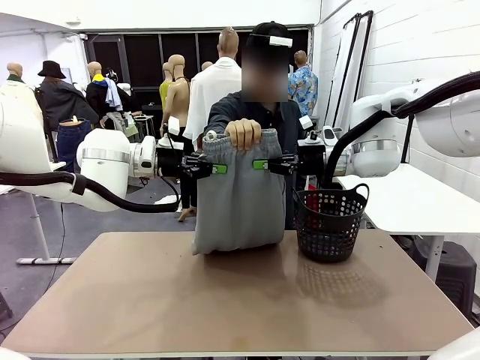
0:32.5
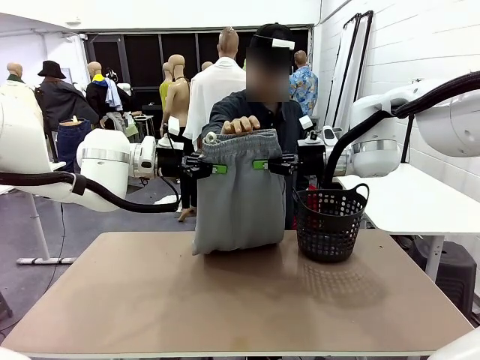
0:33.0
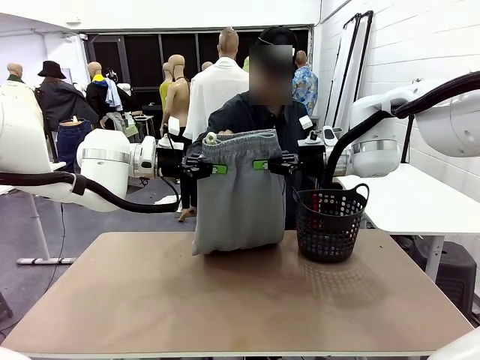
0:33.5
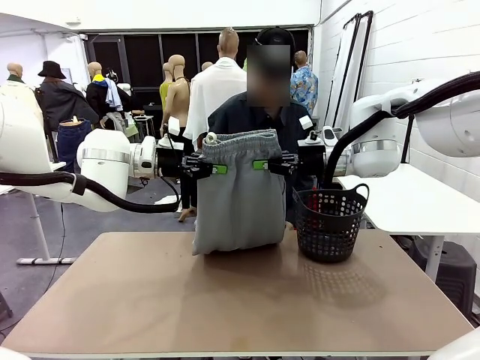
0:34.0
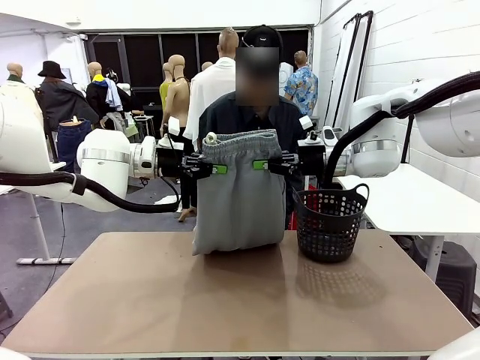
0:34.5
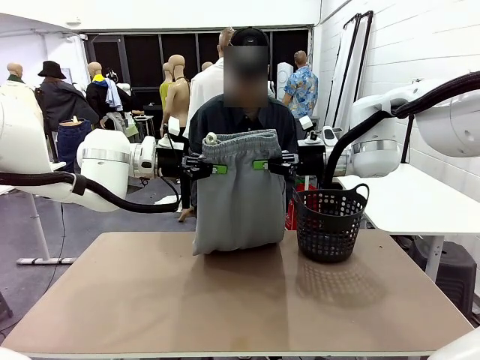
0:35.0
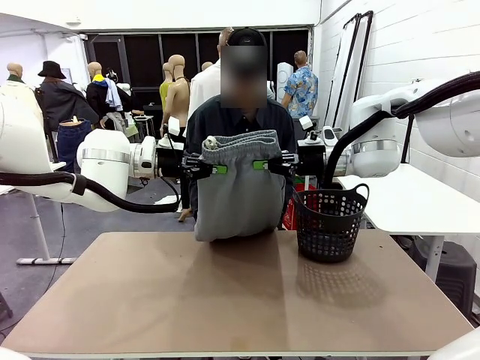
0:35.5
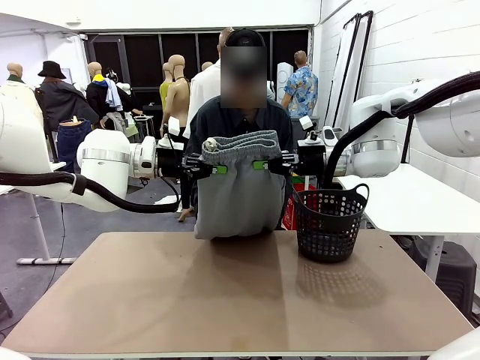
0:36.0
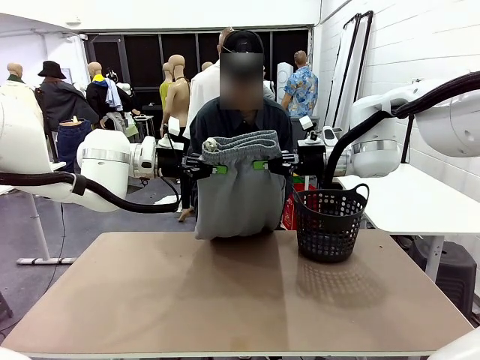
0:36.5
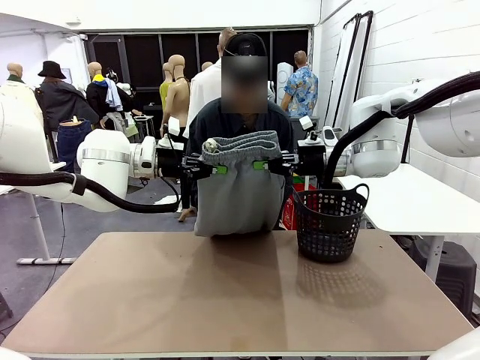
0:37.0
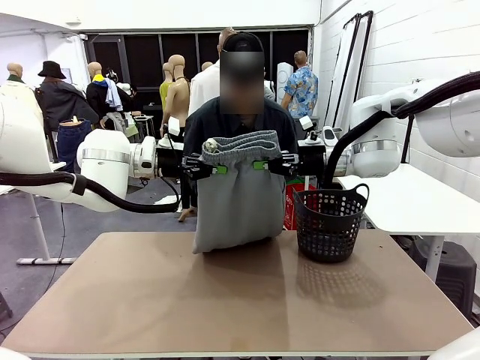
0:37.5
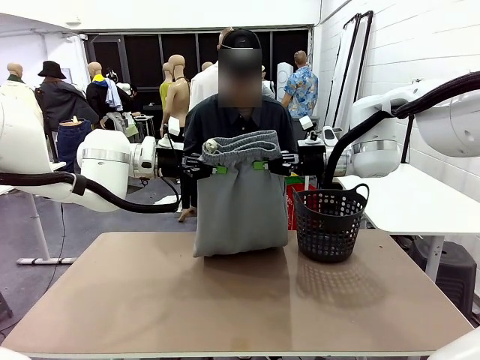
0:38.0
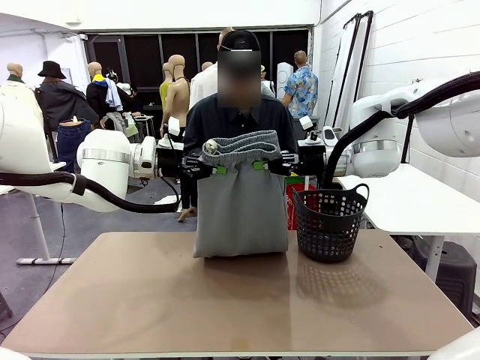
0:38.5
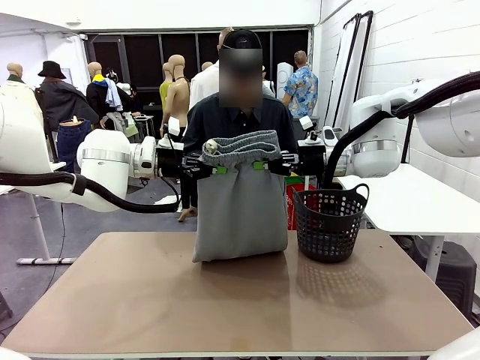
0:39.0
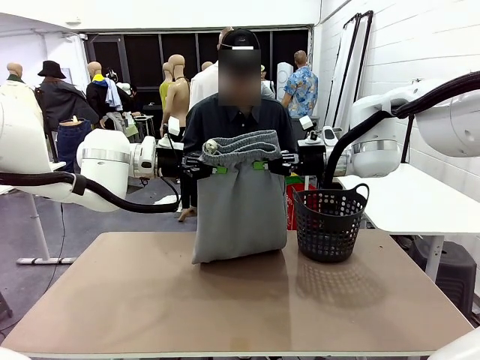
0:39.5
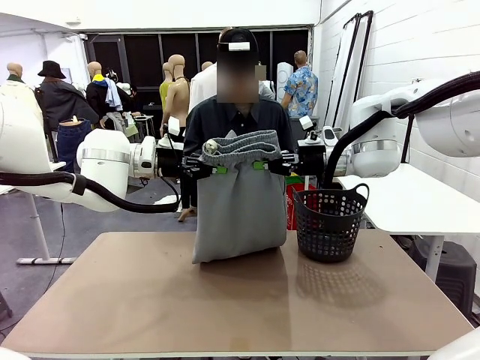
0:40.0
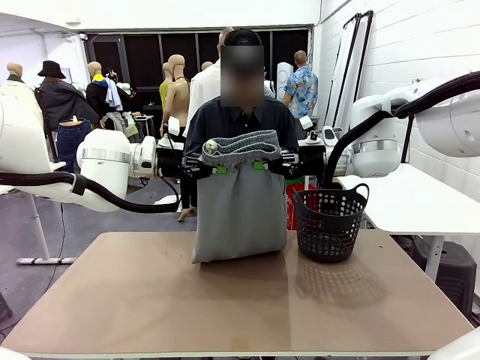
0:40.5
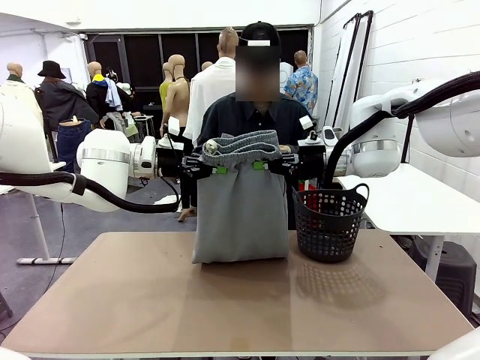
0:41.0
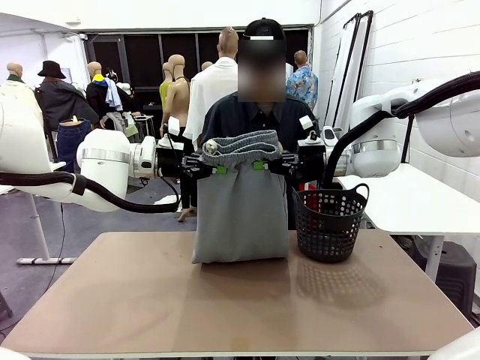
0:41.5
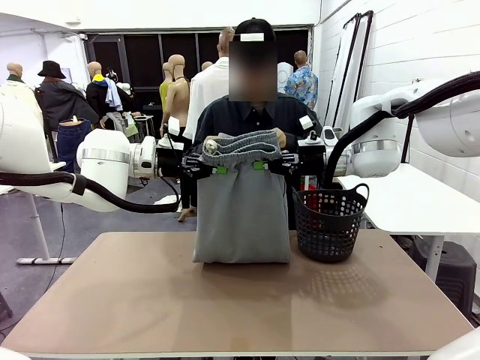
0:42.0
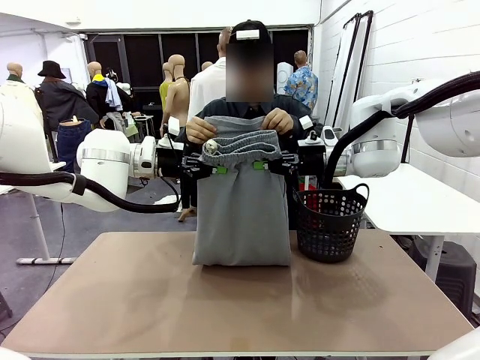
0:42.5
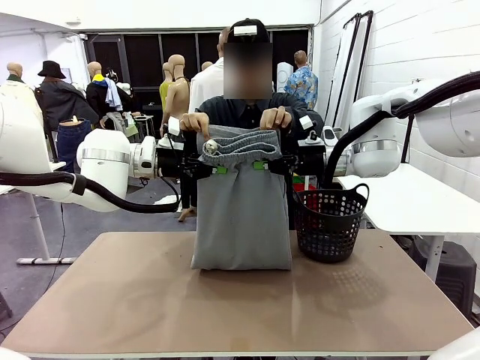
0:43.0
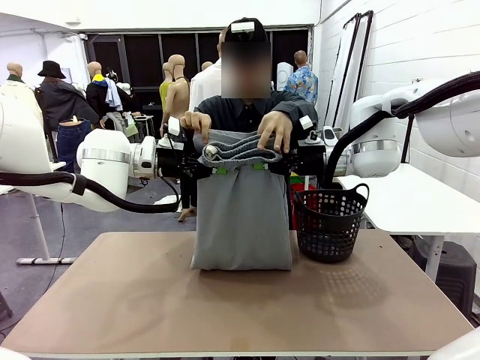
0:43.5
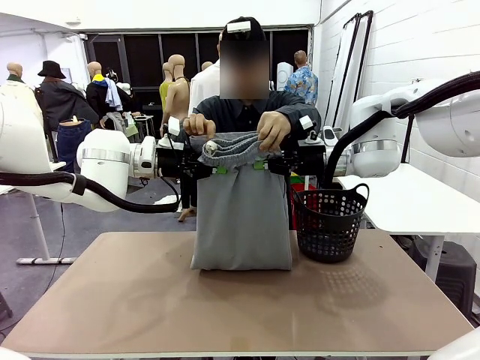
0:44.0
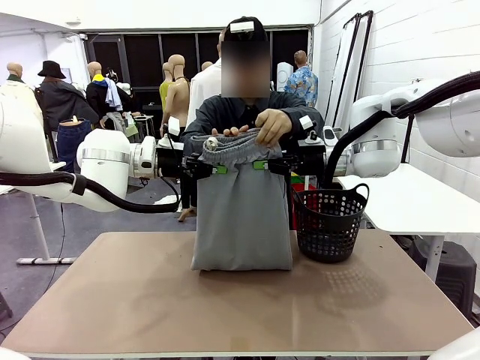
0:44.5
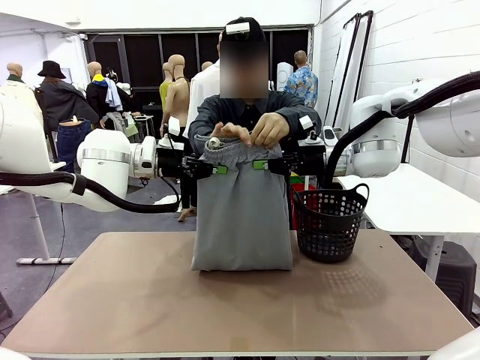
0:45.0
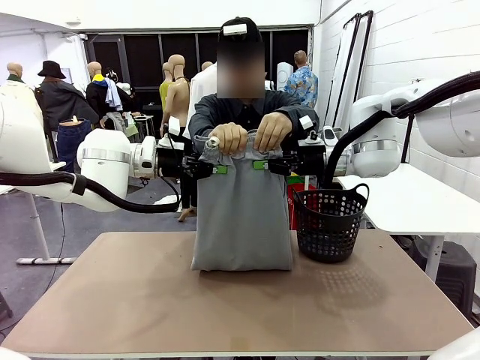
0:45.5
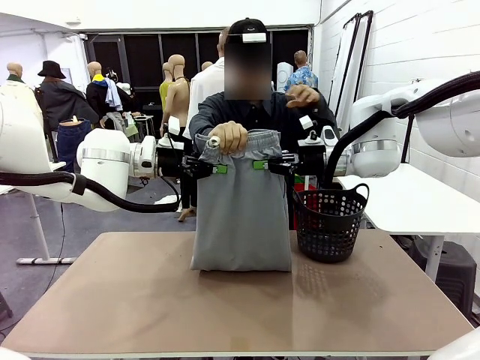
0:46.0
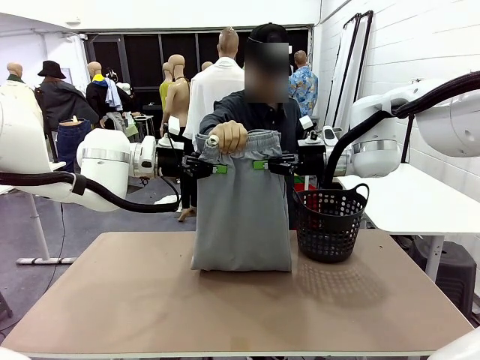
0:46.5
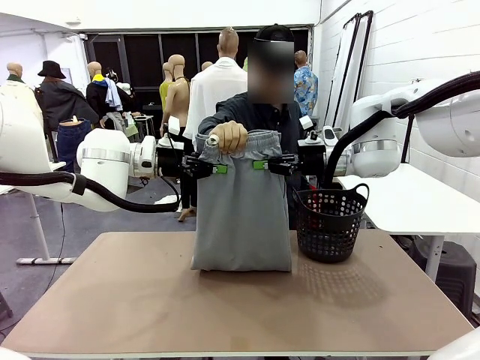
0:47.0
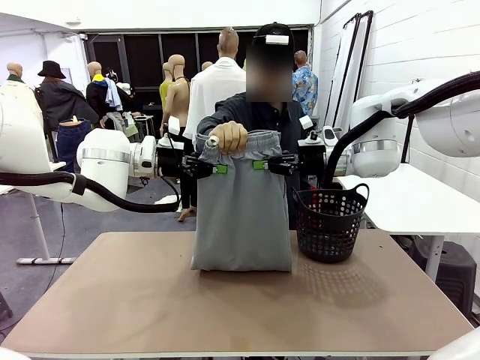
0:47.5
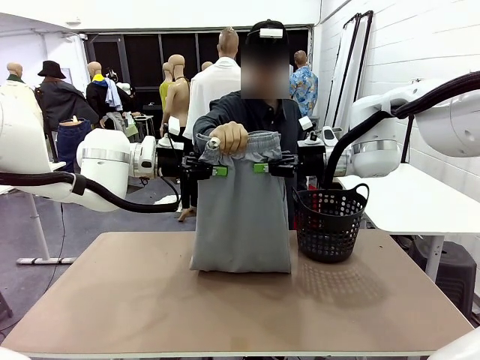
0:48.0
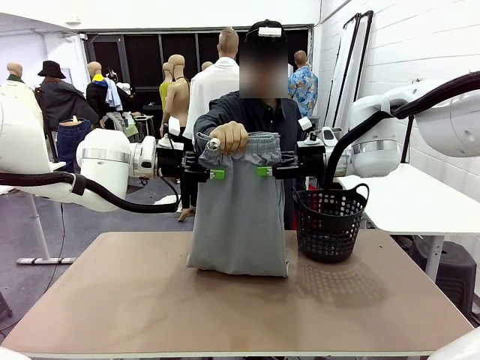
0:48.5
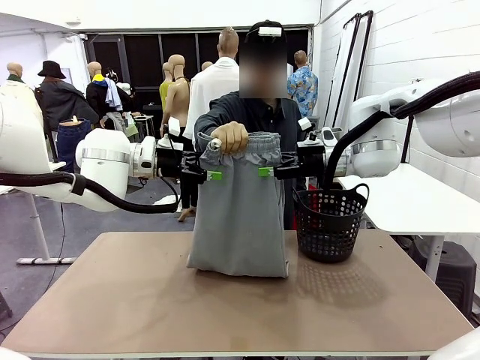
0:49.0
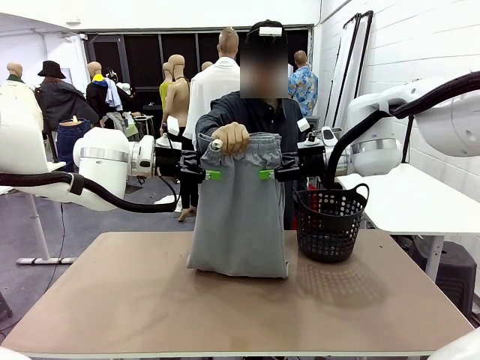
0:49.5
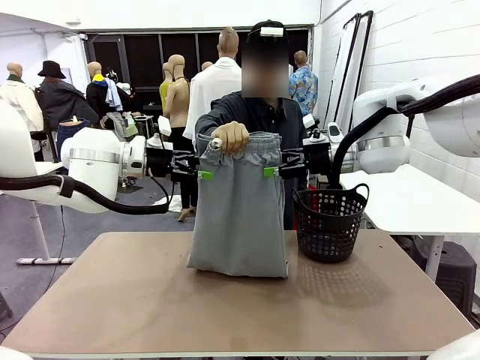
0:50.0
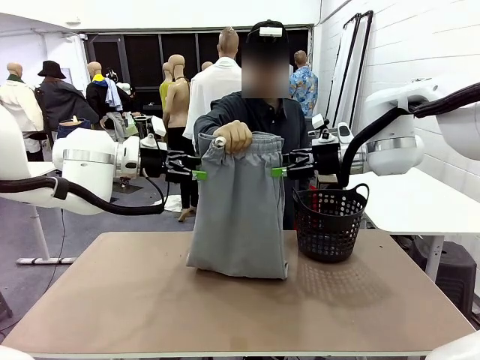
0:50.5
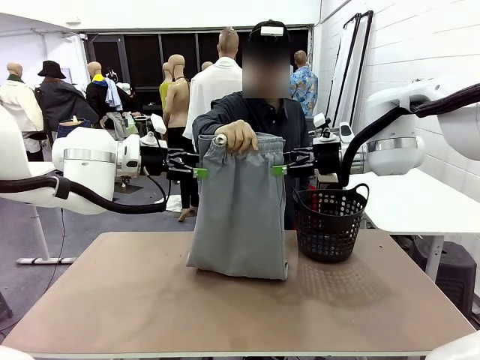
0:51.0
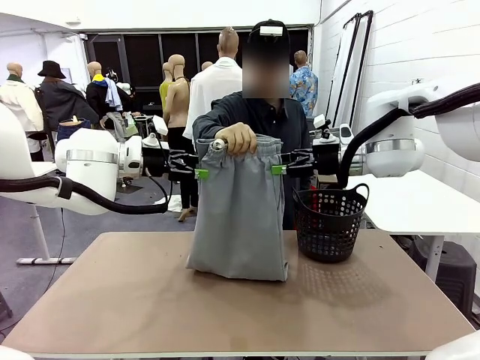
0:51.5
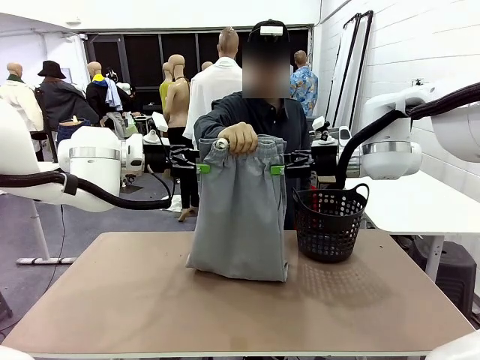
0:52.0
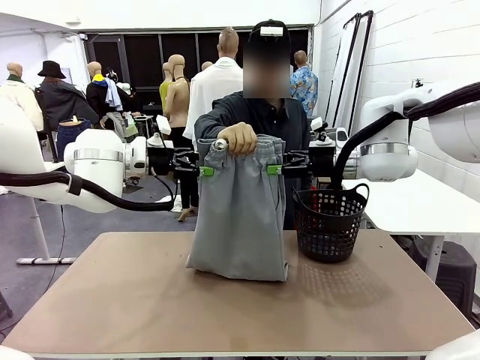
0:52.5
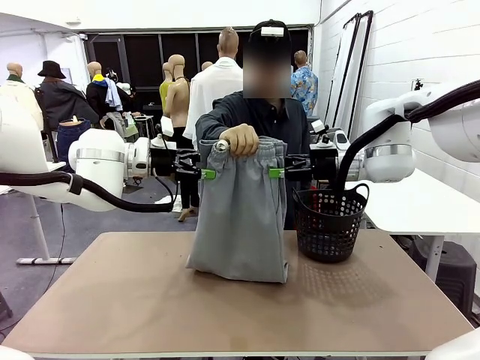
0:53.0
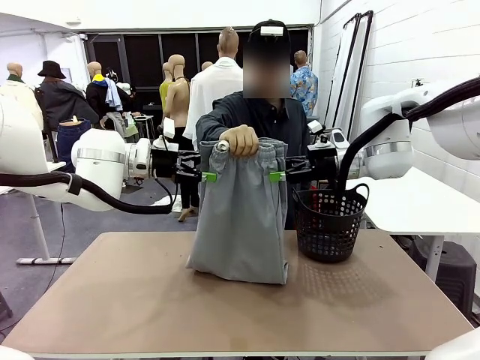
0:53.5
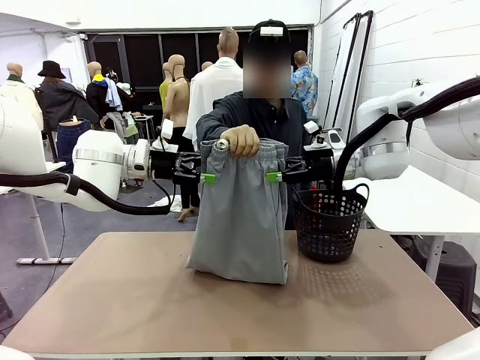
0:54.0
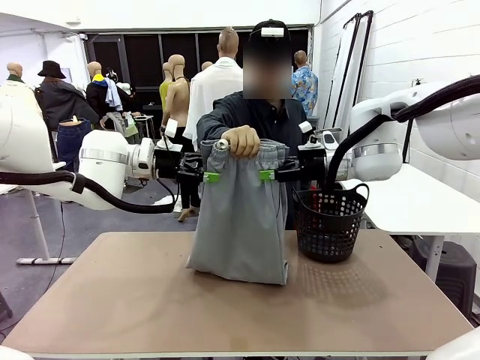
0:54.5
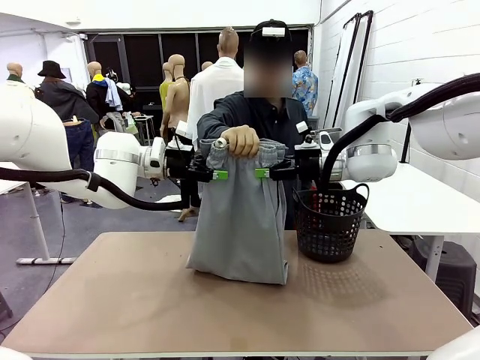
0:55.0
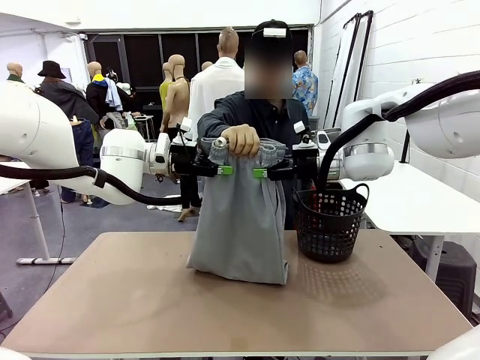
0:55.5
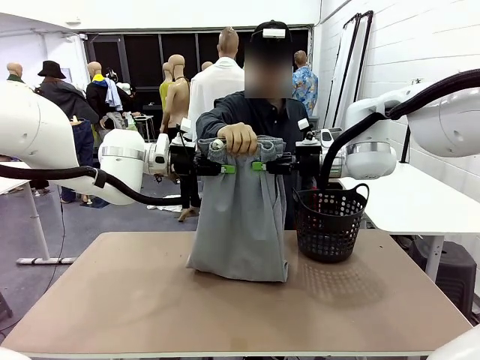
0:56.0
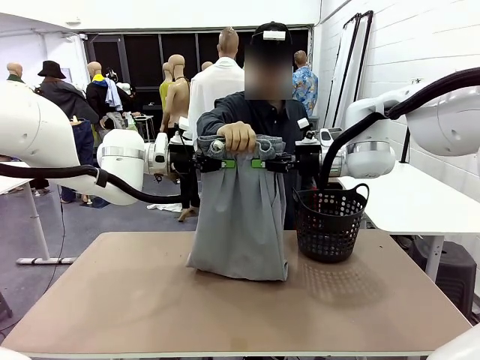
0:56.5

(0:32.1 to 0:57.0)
Task: Fold the training pants.
Robot: Release the ends of the Training pants and then grab the overlapped ends.
Person: Grasp the end opposite the point the robot is holding, fold the pants in half, and then grasp the overlapping top end of the folded pants. Release the pants you were holding.
